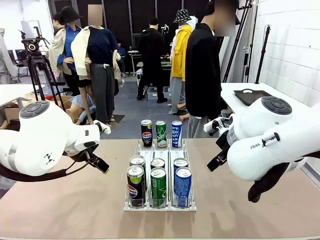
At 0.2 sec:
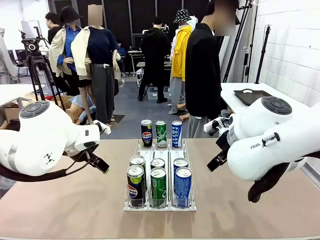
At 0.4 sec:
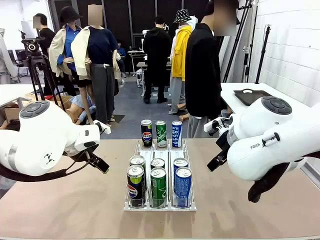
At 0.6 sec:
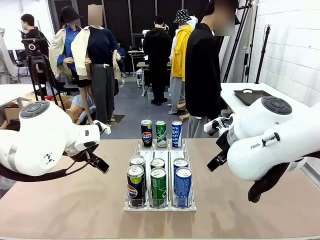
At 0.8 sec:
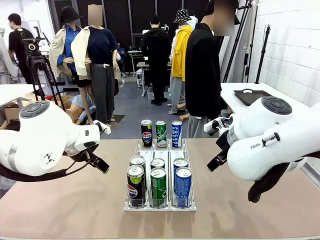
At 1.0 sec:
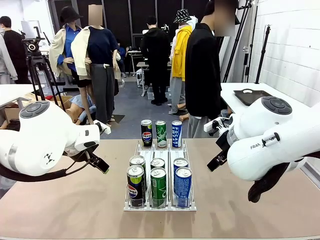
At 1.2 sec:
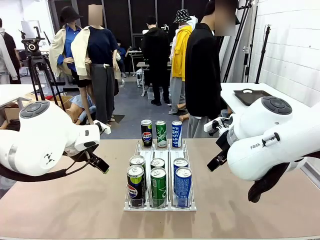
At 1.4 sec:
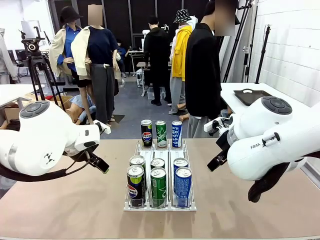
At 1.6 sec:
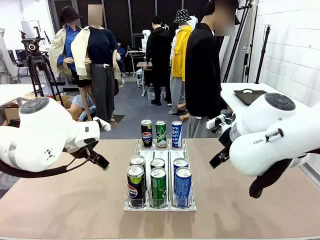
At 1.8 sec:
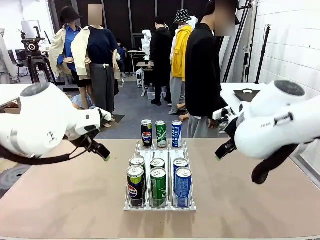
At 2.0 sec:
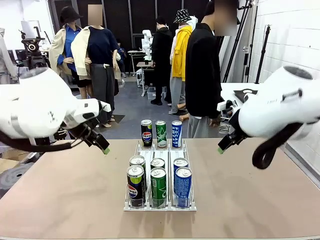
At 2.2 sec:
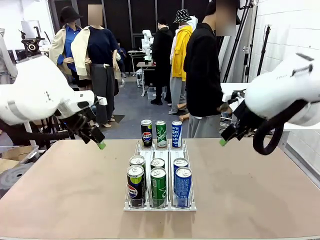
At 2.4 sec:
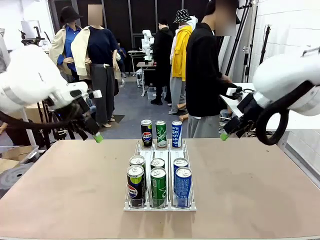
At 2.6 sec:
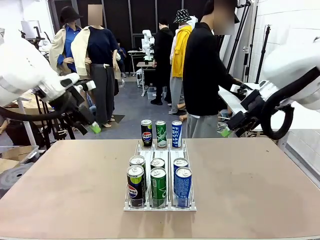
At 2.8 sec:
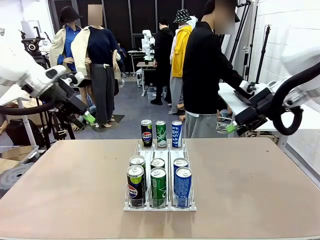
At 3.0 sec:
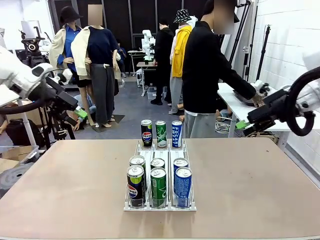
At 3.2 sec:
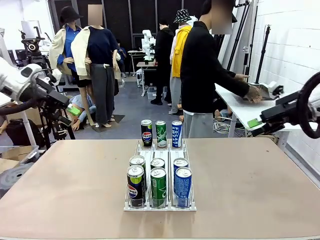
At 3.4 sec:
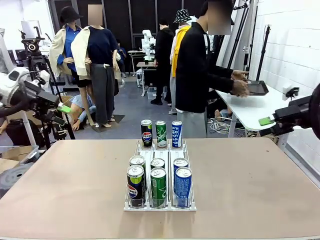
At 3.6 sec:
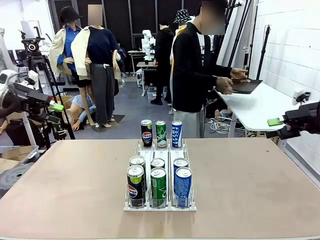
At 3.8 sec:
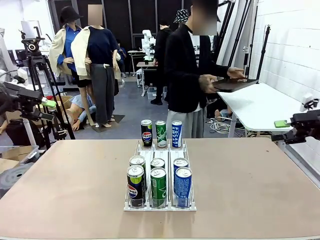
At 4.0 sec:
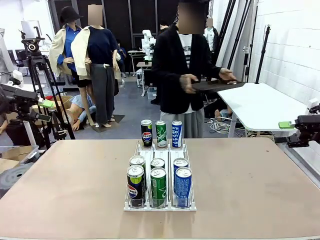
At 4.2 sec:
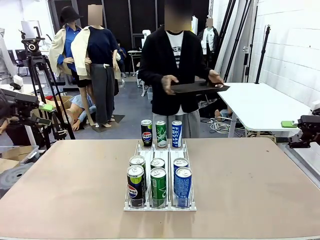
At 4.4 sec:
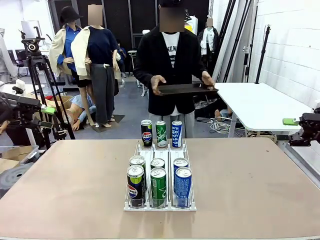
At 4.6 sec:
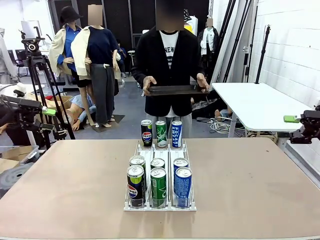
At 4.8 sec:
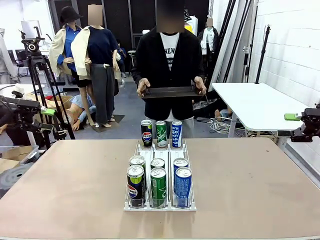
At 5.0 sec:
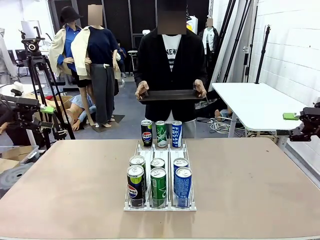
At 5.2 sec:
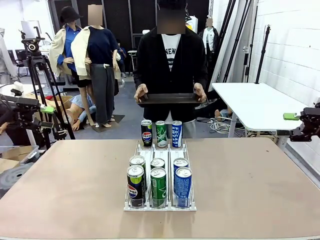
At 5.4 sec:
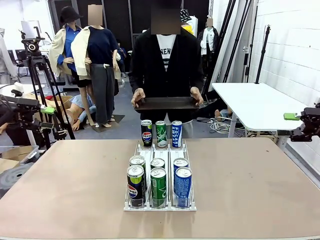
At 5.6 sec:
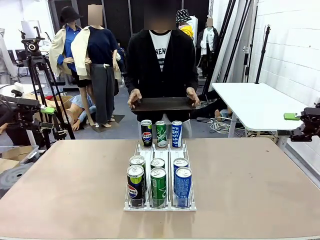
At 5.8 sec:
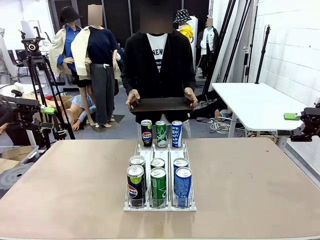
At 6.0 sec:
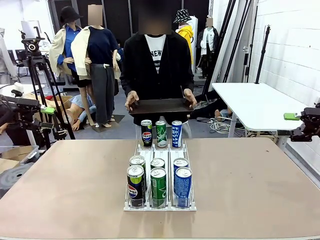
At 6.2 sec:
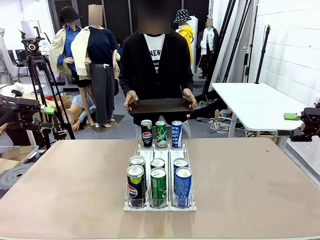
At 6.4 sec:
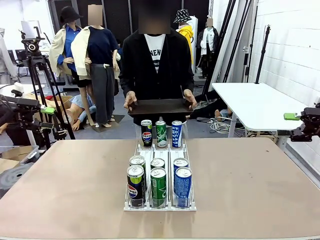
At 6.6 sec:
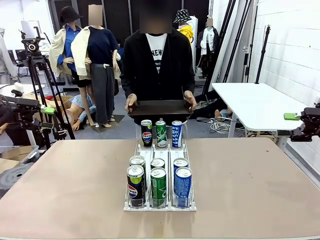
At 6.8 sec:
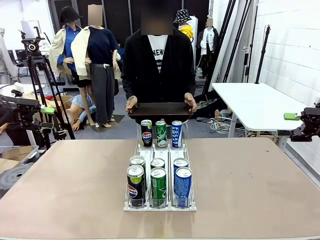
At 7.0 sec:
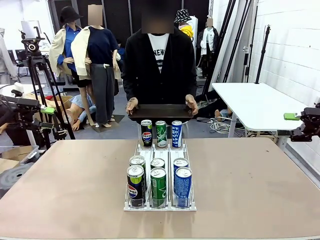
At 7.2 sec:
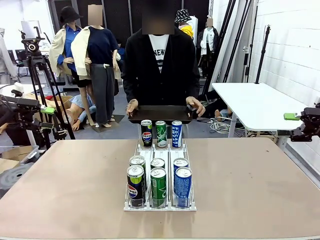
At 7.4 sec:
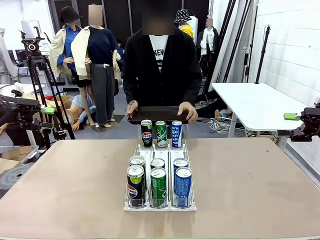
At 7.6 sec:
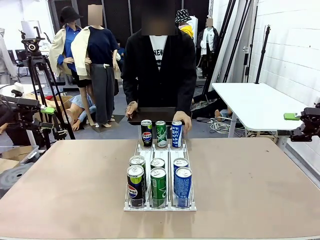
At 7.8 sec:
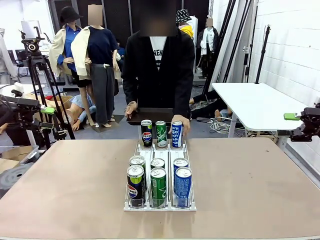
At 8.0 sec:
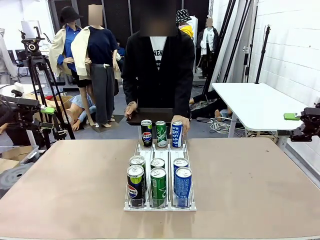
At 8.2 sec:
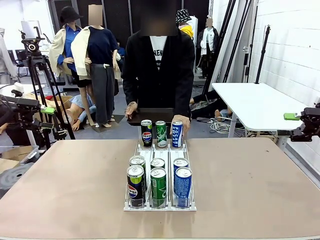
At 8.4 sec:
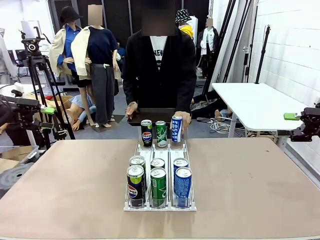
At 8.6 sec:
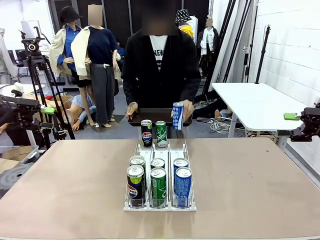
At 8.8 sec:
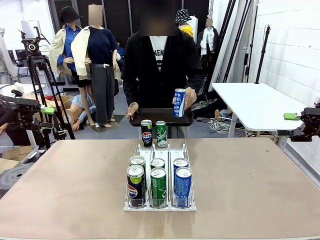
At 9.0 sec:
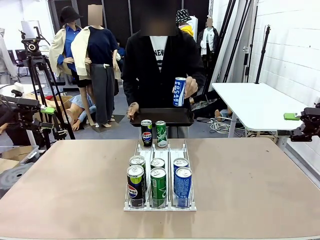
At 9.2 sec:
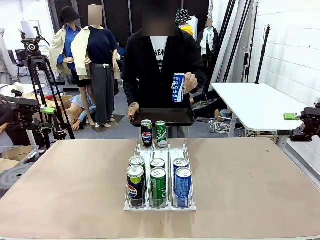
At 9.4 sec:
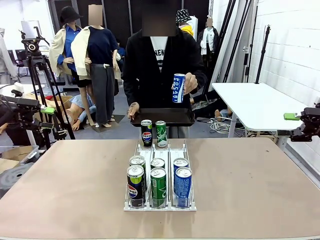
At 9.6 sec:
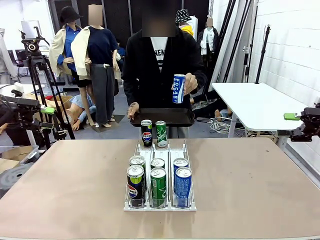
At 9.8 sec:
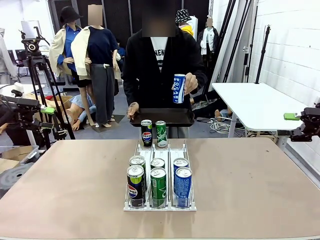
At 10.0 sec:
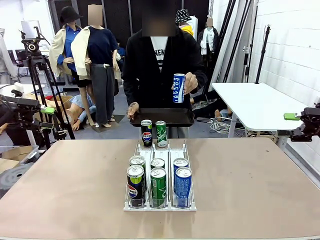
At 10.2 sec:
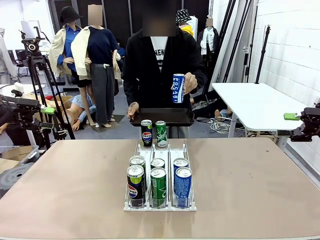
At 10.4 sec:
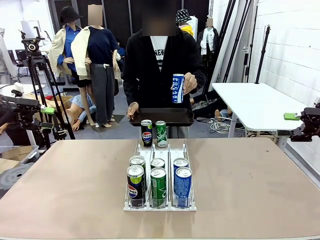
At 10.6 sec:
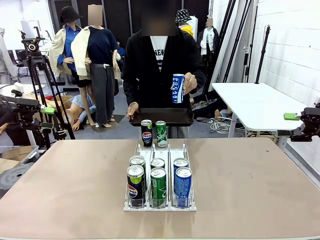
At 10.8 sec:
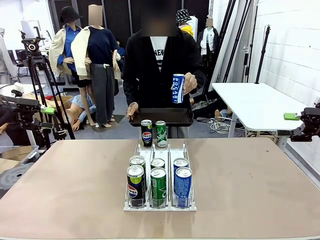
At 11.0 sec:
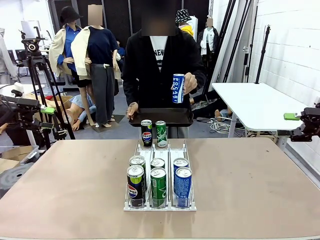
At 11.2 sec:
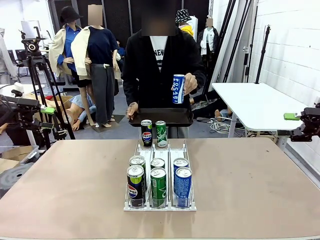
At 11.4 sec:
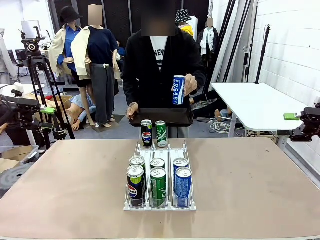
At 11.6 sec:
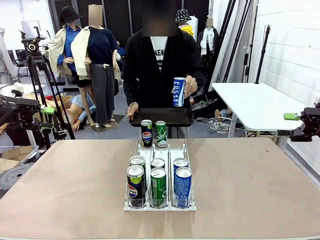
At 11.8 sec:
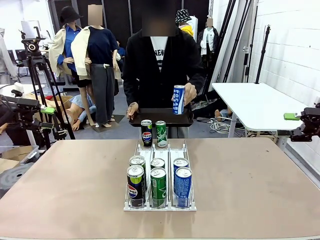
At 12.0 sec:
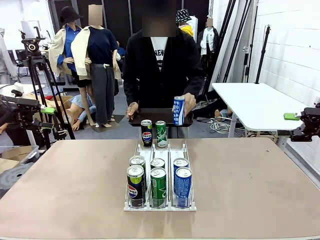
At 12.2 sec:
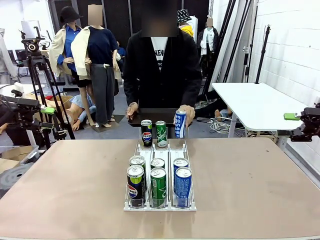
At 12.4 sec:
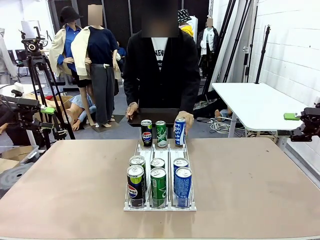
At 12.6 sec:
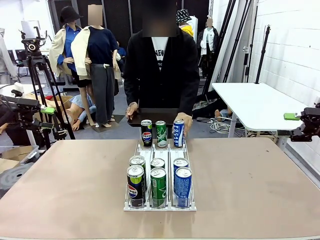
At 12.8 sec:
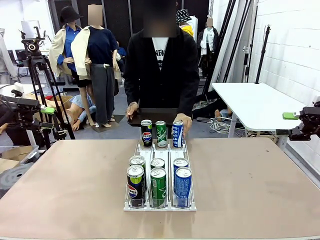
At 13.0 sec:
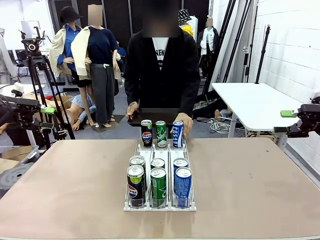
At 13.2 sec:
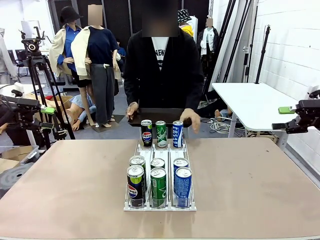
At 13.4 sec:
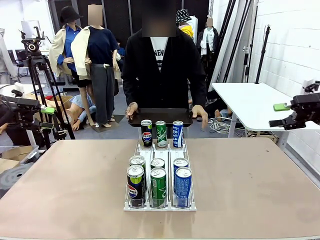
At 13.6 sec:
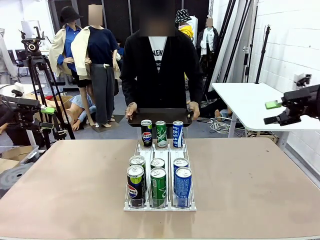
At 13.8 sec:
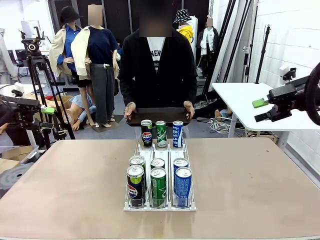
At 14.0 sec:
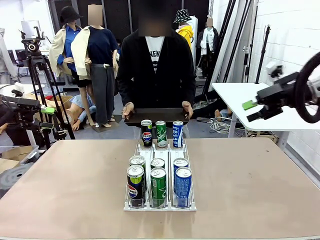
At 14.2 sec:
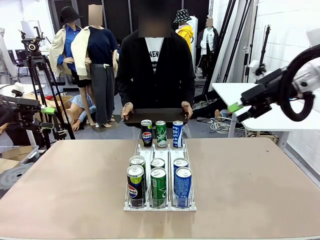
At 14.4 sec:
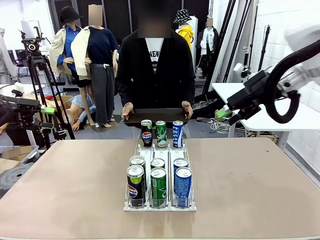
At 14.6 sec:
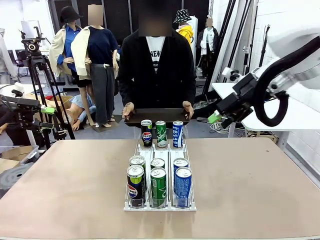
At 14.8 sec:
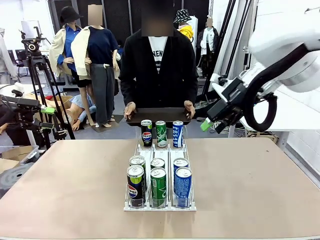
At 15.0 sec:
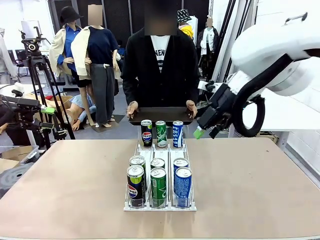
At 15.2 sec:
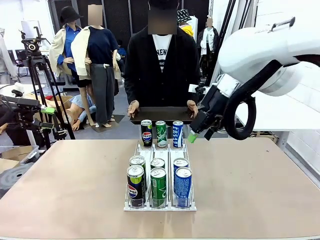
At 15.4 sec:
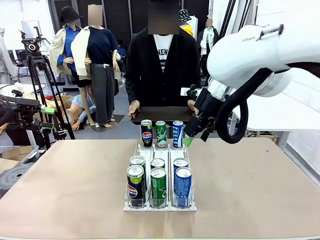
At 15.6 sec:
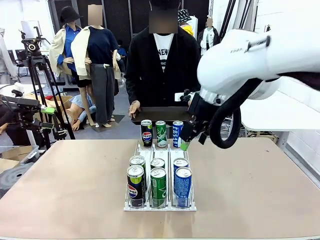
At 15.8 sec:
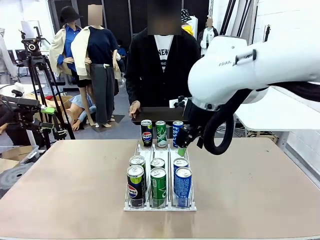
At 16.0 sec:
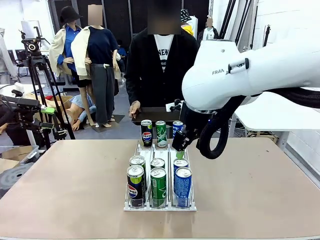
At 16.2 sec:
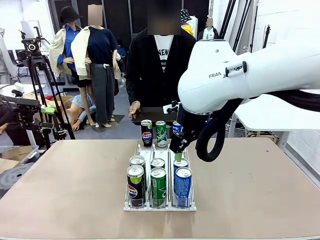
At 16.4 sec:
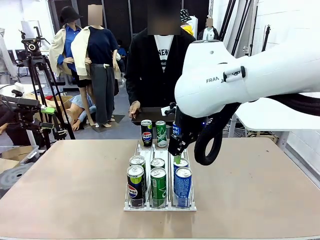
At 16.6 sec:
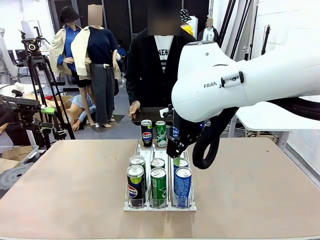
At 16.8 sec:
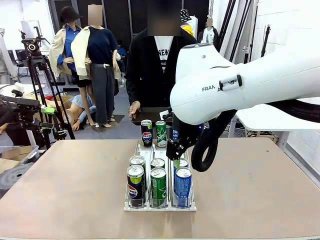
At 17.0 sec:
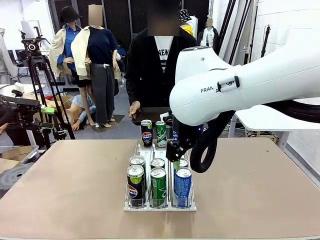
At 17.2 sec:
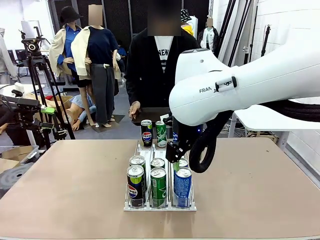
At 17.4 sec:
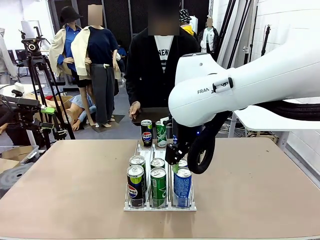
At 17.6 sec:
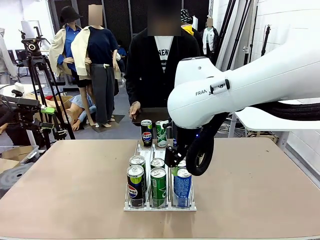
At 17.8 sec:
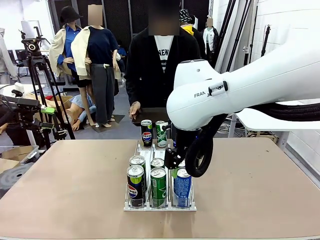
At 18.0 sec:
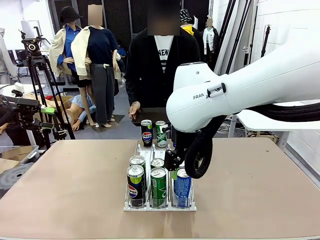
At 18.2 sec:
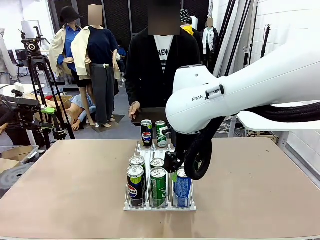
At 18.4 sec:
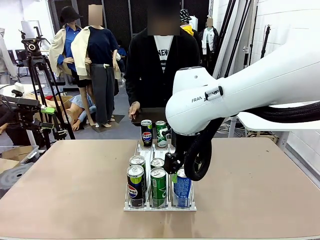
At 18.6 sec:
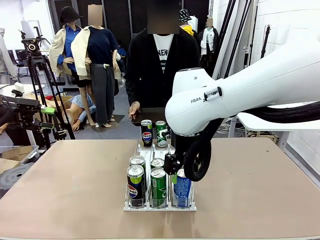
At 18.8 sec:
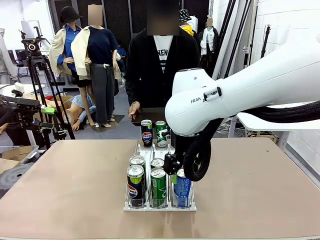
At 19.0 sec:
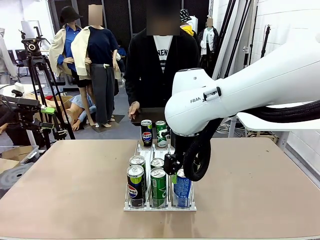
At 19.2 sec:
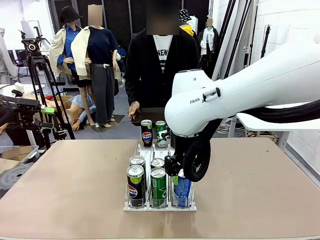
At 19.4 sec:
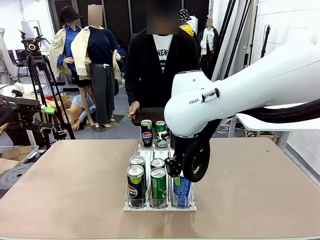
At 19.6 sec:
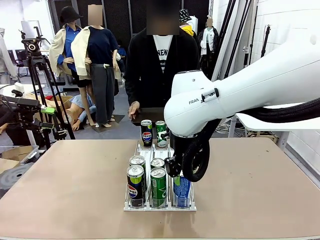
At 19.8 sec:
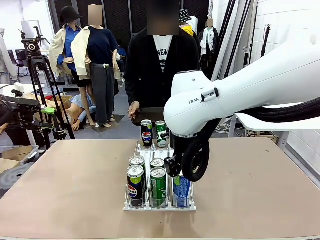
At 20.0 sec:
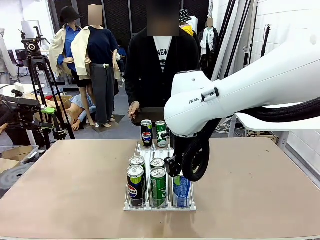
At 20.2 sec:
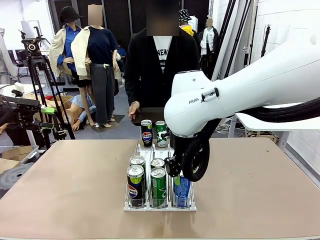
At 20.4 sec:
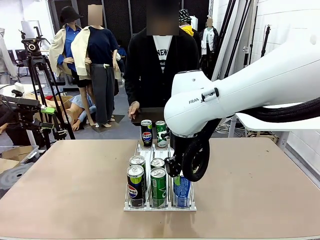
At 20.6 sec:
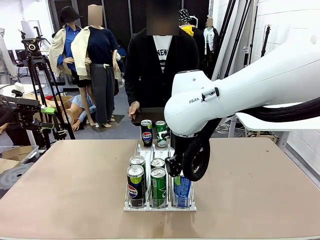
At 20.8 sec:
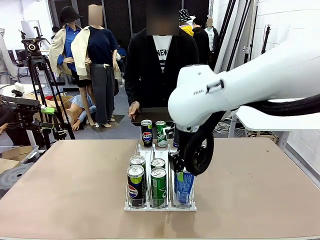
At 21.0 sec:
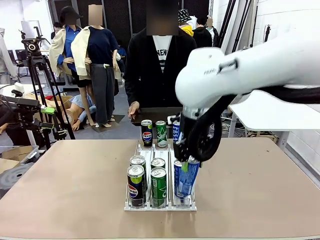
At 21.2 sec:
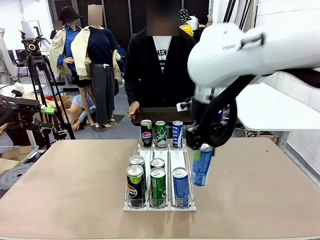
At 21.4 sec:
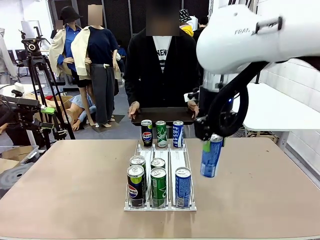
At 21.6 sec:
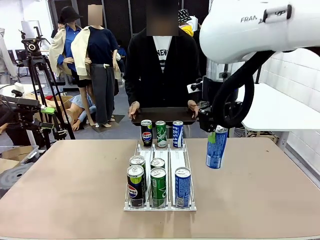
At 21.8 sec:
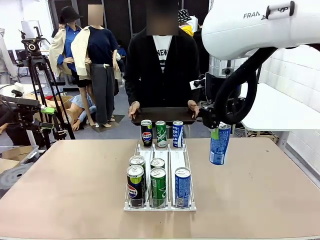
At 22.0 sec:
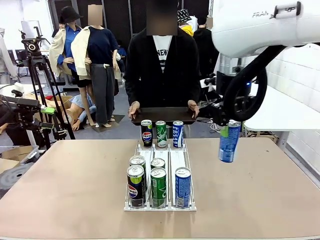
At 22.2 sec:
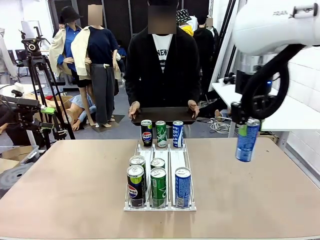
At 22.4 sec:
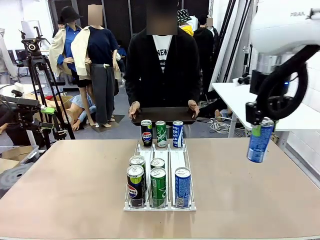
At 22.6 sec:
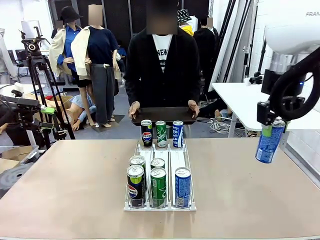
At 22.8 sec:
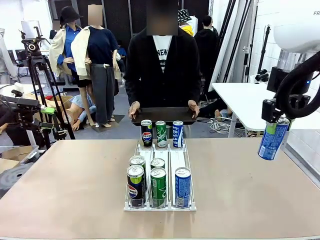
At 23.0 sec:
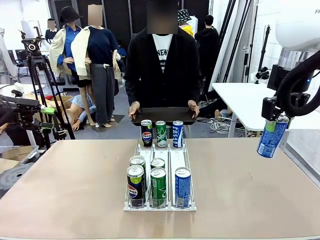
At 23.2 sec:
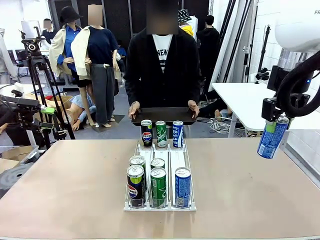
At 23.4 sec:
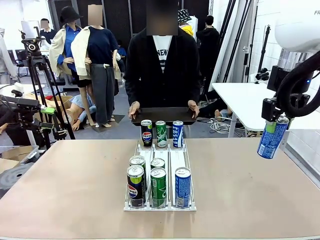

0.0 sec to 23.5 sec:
Task: Retrieve and hand over the desired beverage to the person.
Robot: Pick up a can of the same type that the person held from the Automatic Can Dispenser.
Person: Hold the tray and position yourself in front of the robot table. Pick up one can from the bottom area of the table and puts it back in its original place. Push the tray toward the robot.
